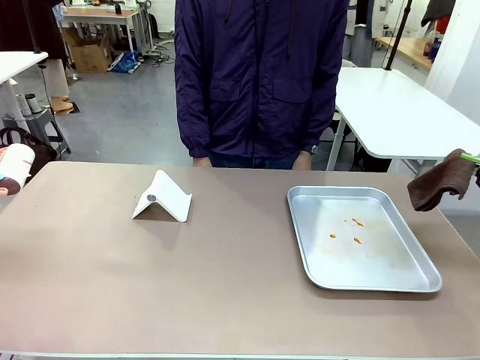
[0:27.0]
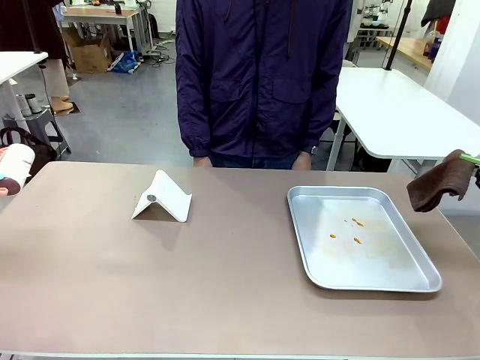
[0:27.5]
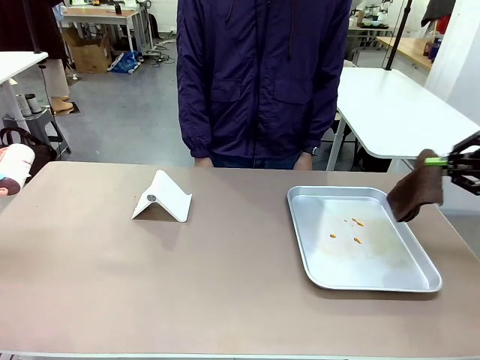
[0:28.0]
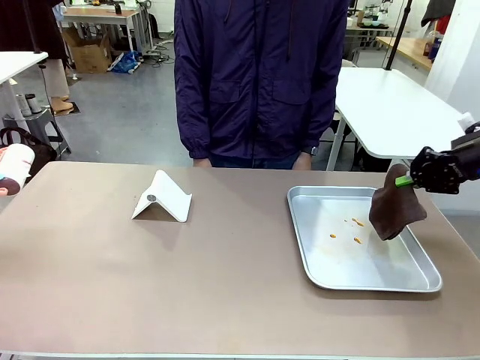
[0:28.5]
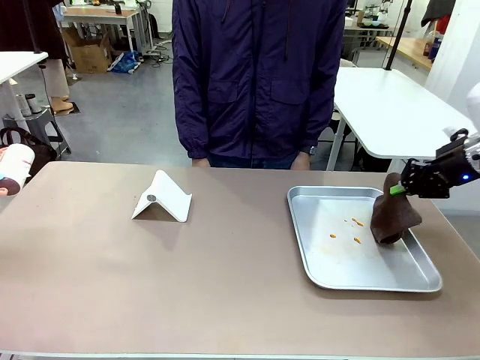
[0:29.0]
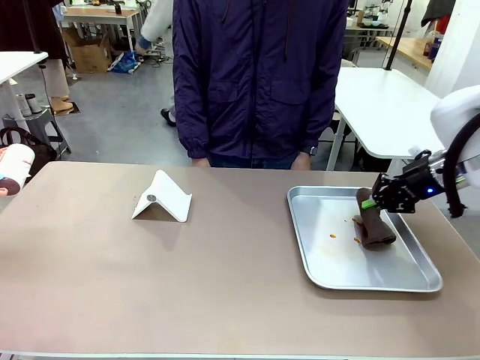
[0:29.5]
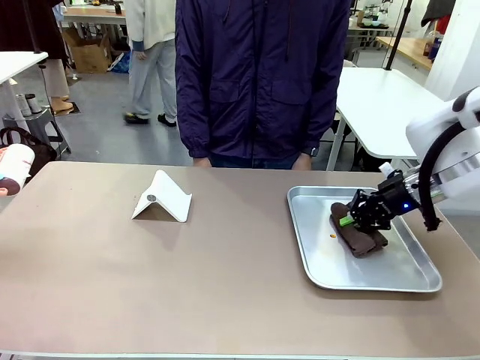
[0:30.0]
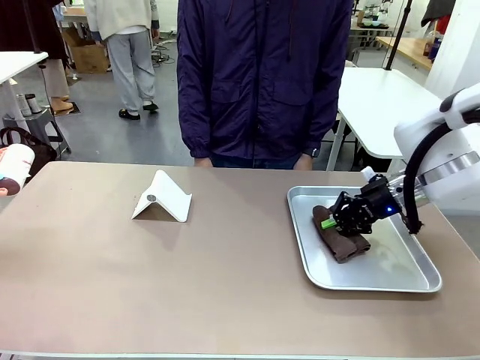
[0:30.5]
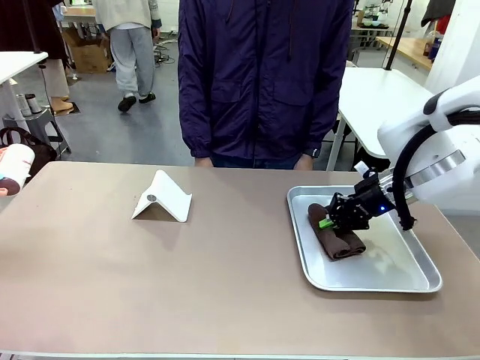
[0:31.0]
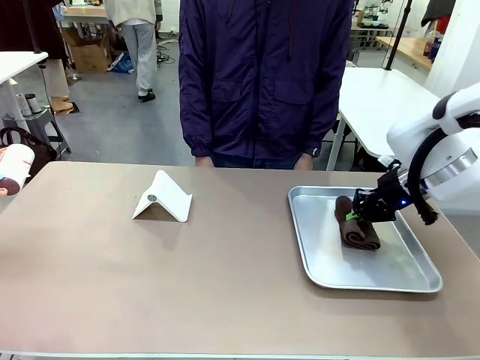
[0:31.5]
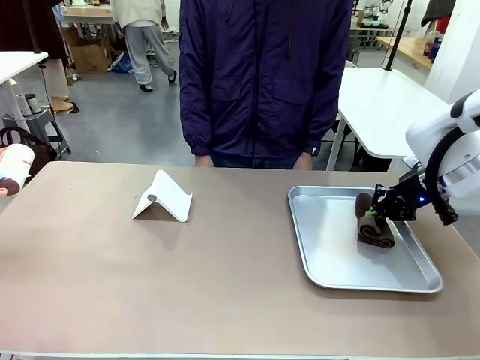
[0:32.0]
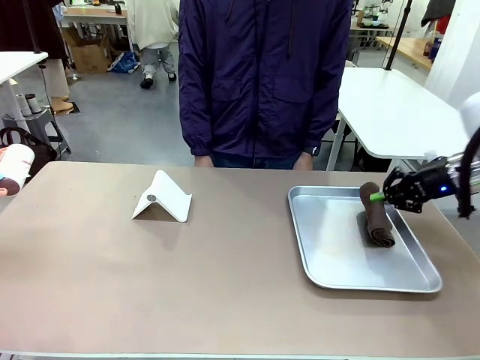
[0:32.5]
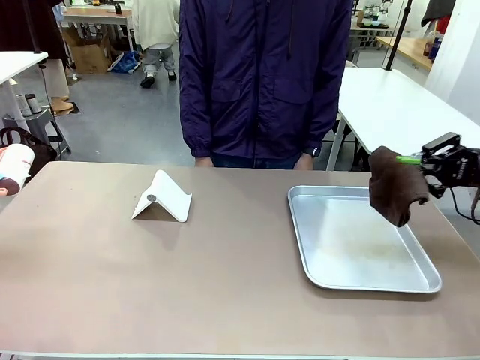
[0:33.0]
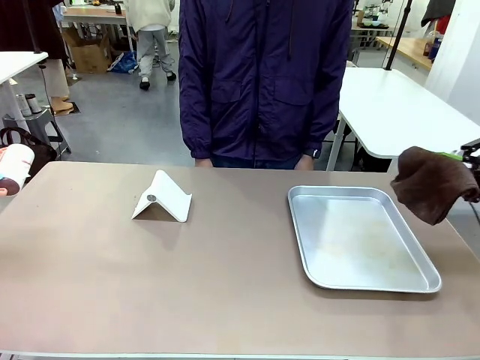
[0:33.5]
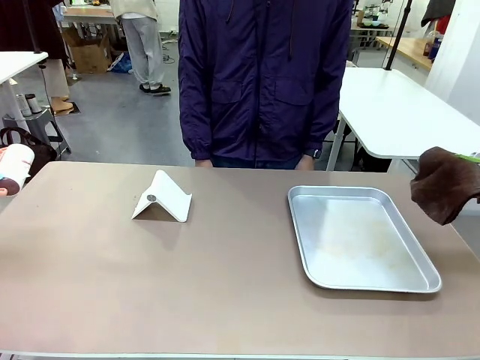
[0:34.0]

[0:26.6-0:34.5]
Task: Clean the surface of the table.
Robot: Clean the area not pointed to by the person.

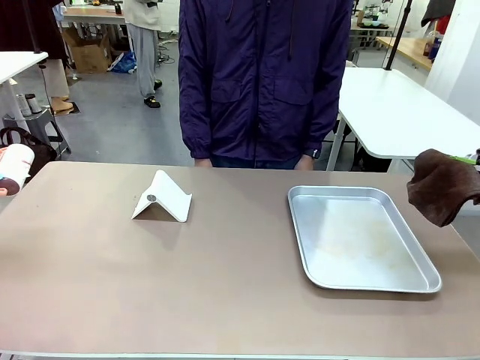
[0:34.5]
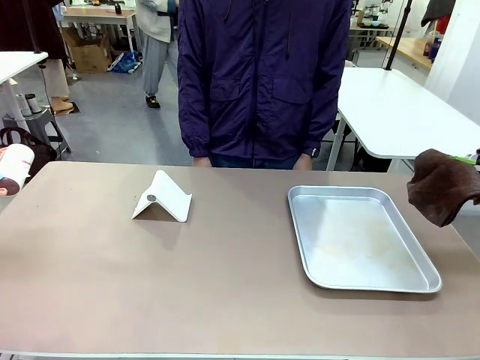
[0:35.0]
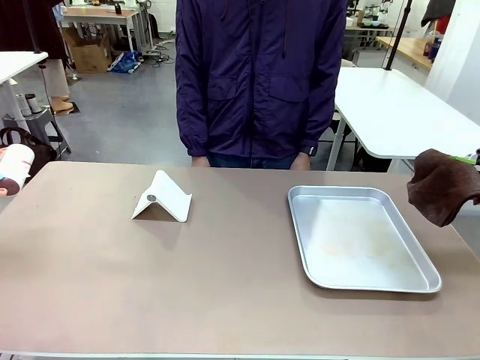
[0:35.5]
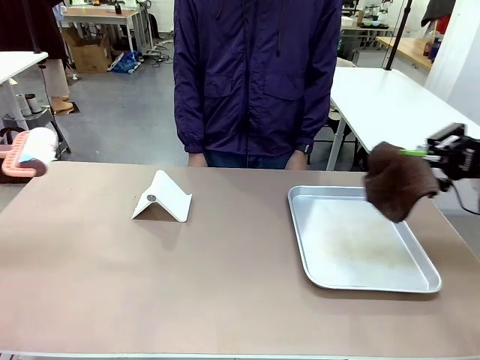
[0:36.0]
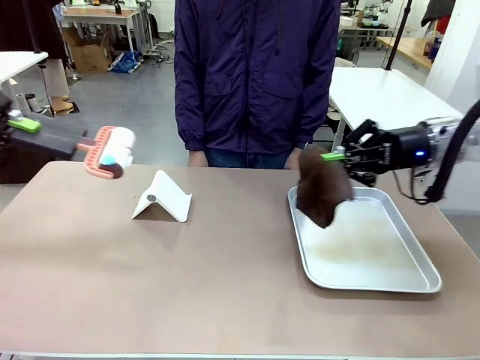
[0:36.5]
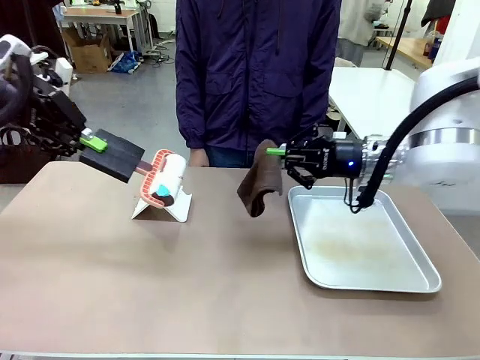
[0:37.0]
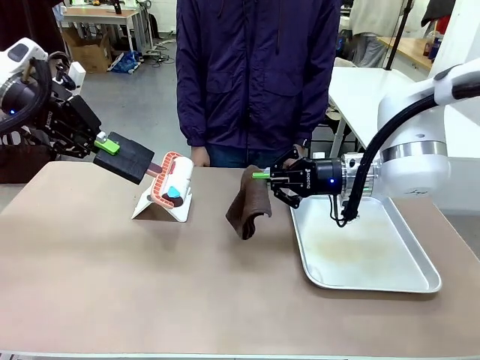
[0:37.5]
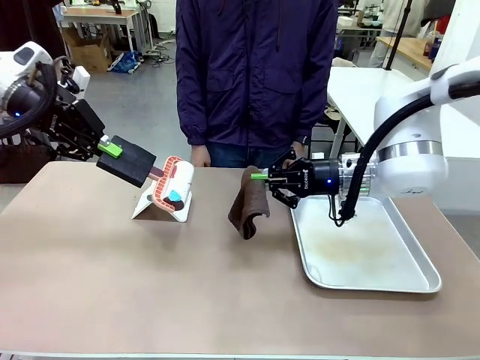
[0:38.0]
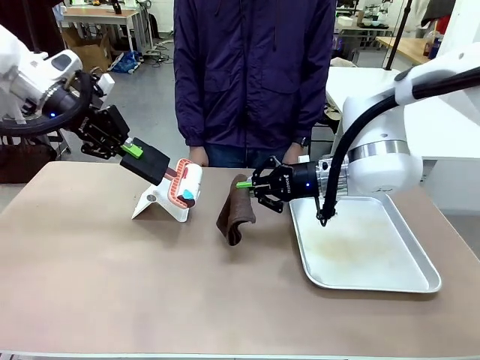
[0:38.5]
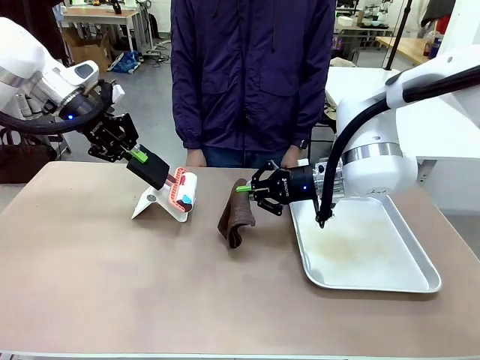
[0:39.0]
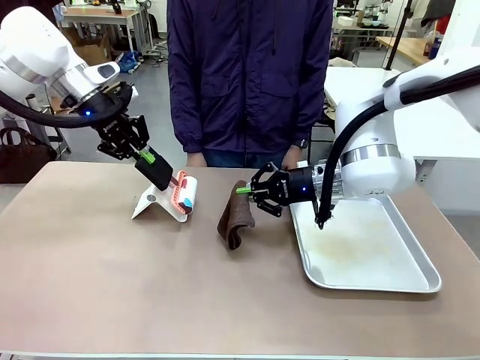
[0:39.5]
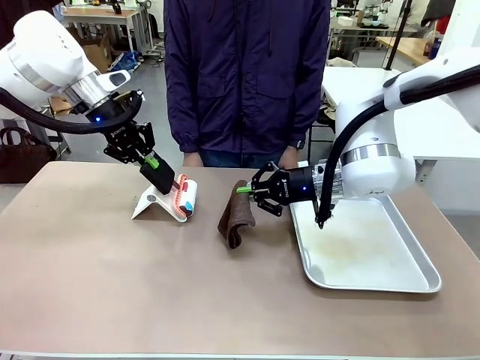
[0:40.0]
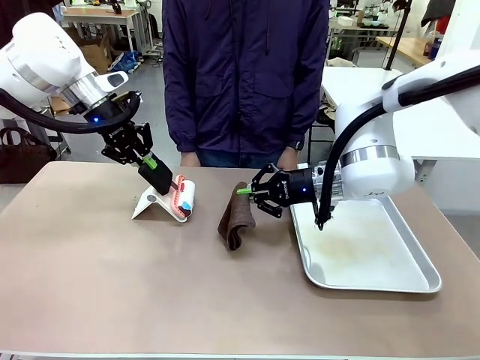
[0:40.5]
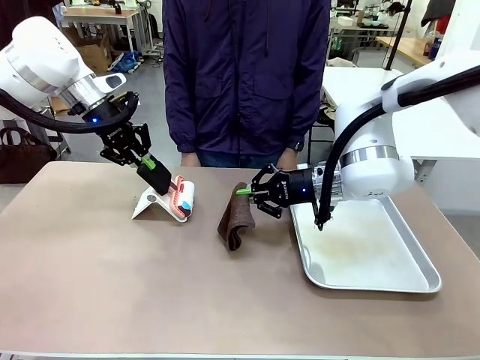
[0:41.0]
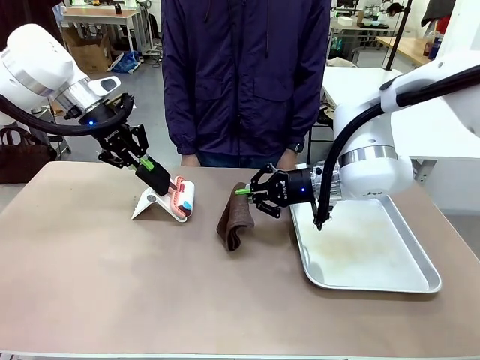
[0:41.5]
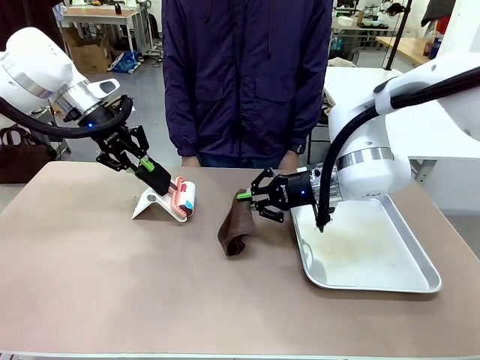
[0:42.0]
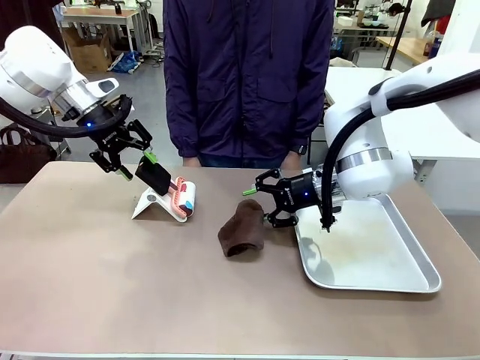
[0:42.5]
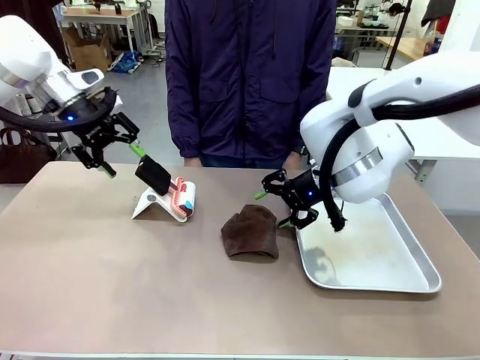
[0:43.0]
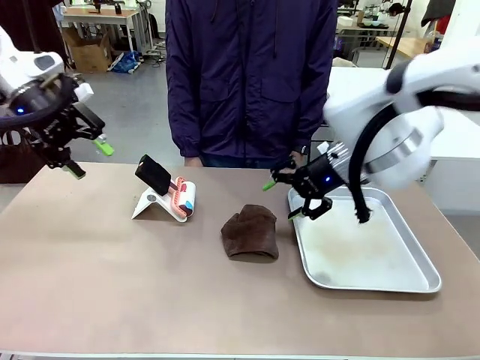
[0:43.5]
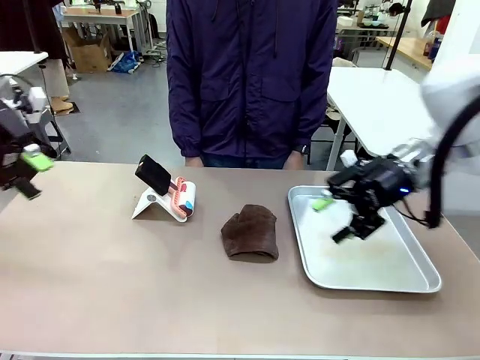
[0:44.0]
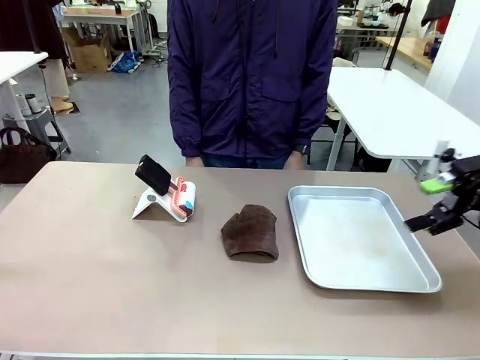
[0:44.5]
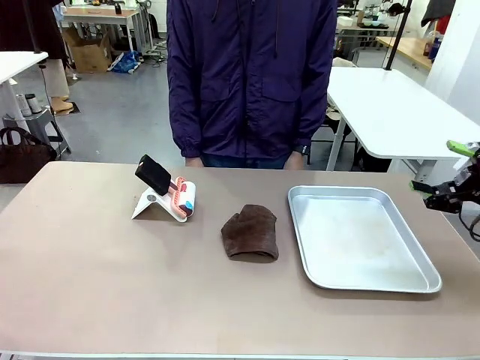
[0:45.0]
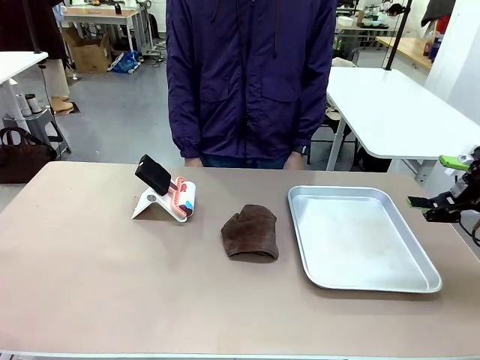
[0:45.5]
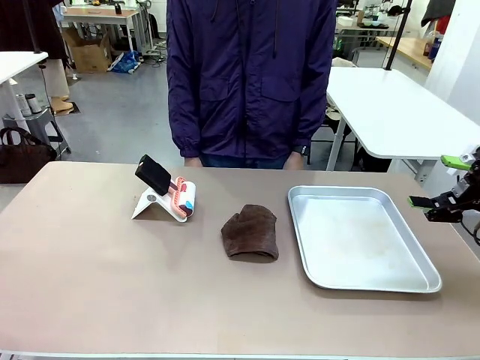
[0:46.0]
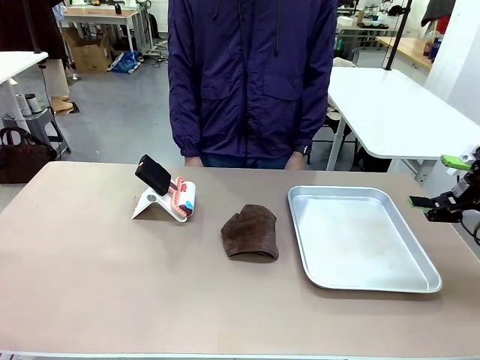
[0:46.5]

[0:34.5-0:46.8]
Robot: Return the Lint Roller and towel to their original positions.

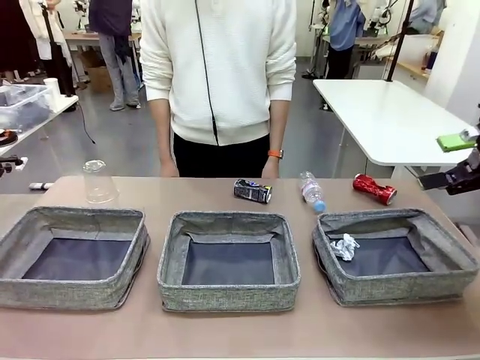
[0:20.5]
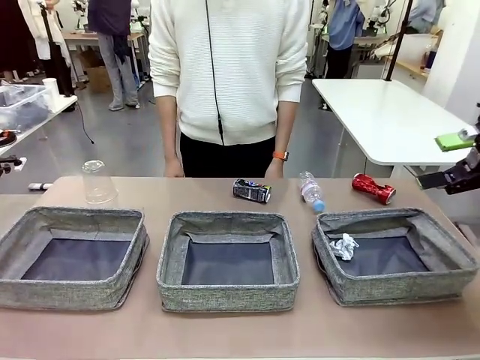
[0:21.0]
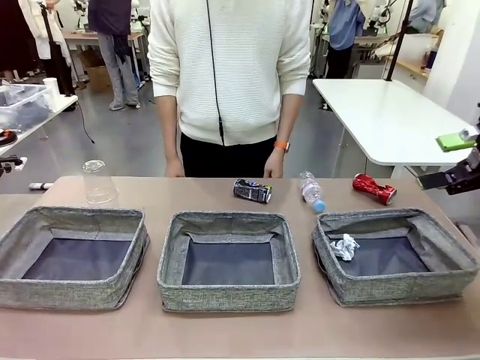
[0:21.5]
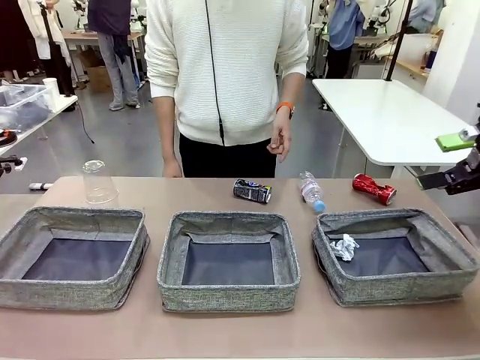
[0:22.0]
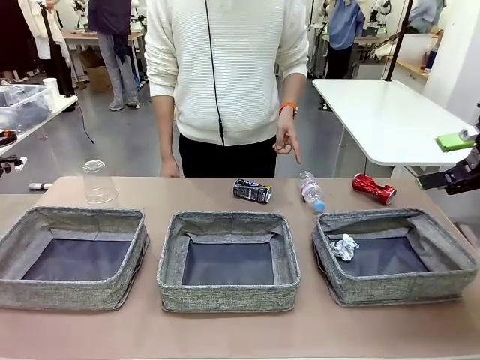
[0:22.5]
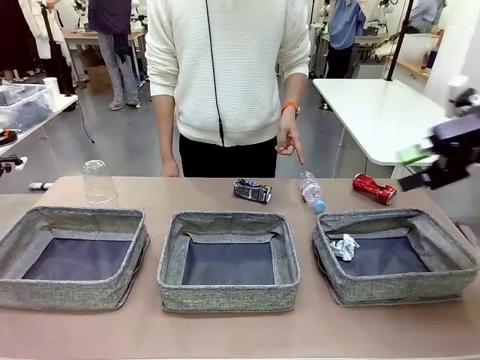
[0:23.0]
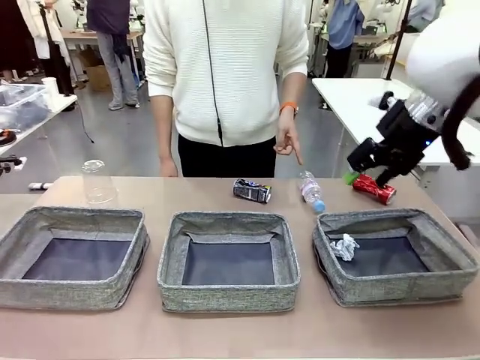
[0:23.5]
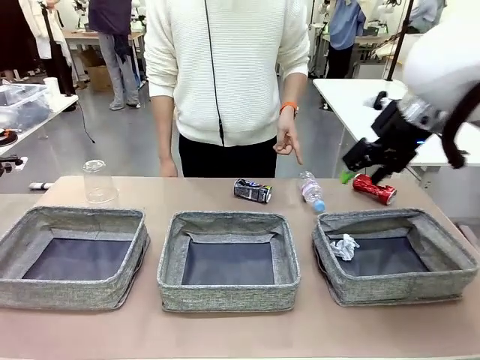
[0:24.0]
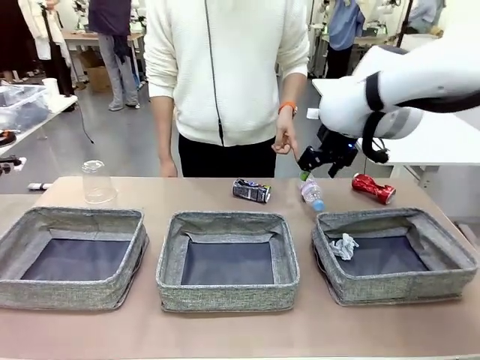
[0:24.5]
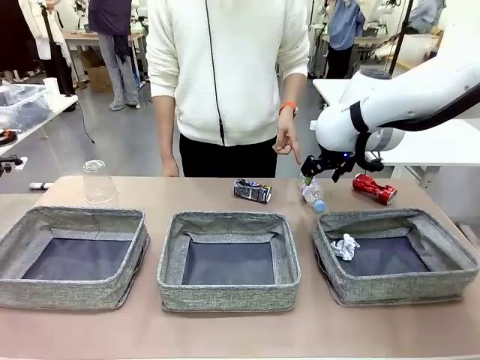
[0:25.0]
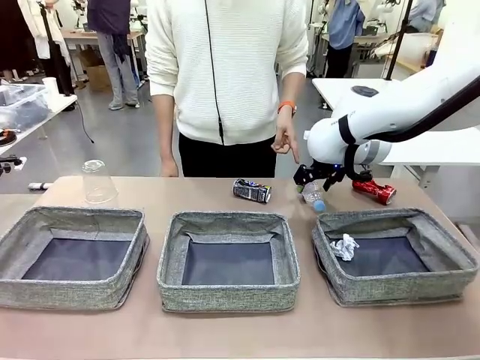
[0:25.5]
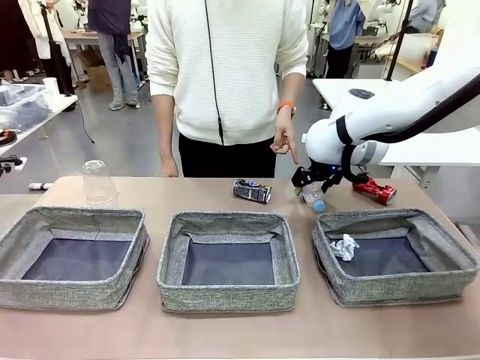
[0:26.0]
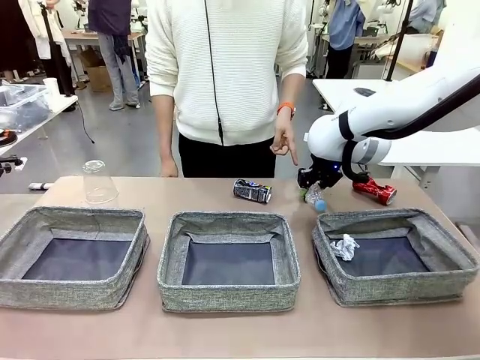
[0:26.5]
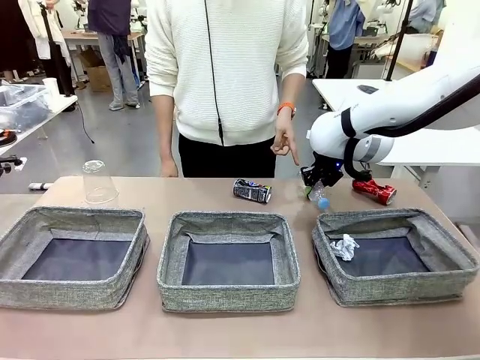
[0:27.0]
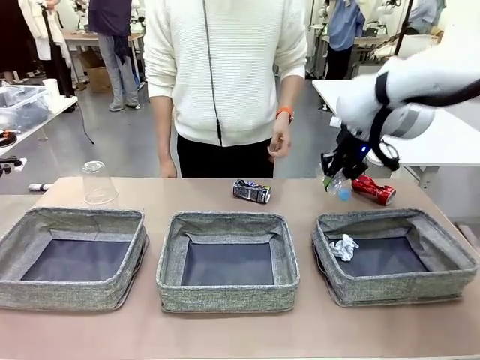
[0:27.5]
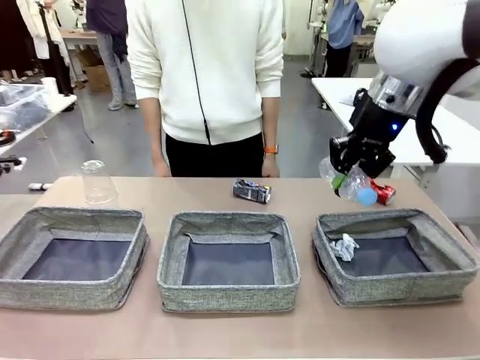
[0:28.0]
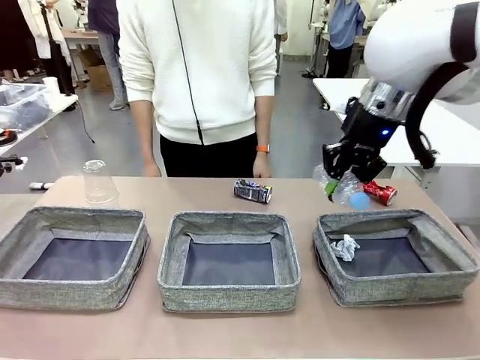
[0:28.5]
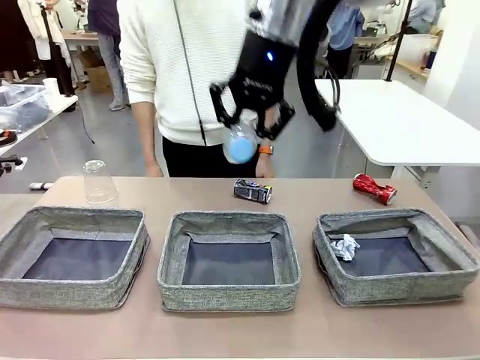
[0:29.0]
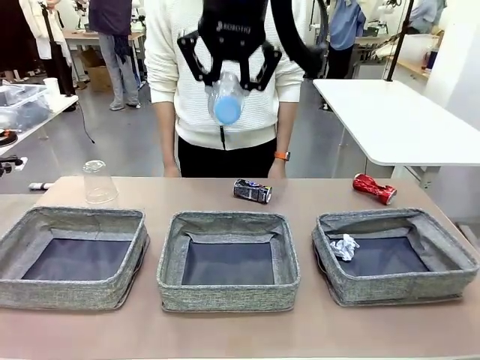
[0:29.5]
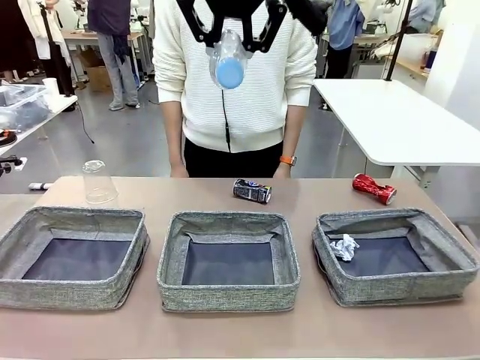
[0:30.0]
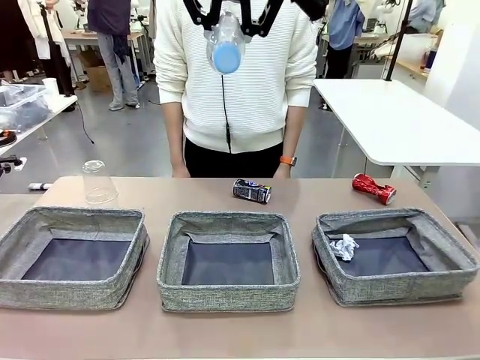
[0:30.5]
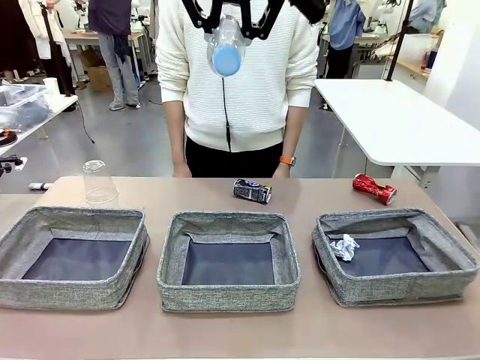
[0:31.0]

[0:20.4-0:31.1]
Task: Sort the waste into the appropriate baskets.
Robot: Pick up the waste item pointed out by the person.
Person: Points to one piece of trash on the table.
